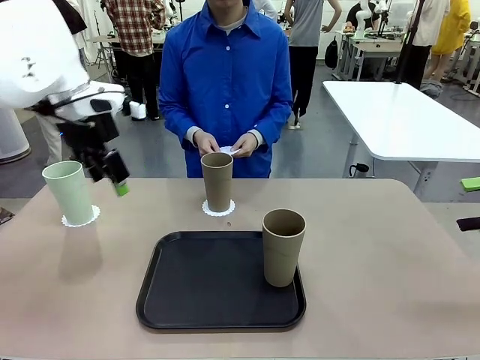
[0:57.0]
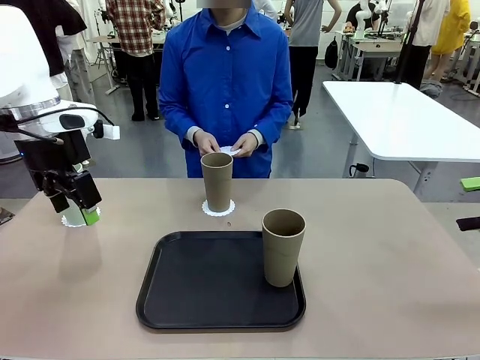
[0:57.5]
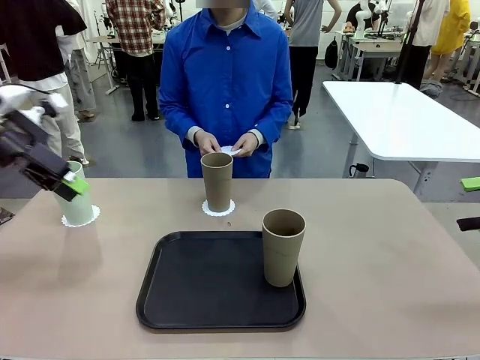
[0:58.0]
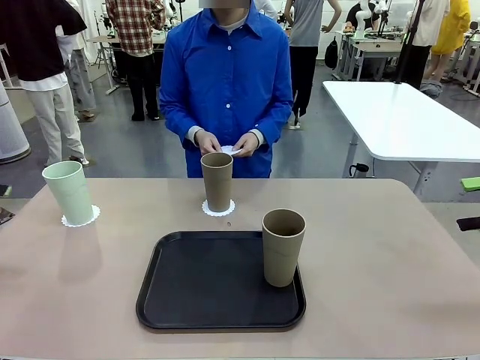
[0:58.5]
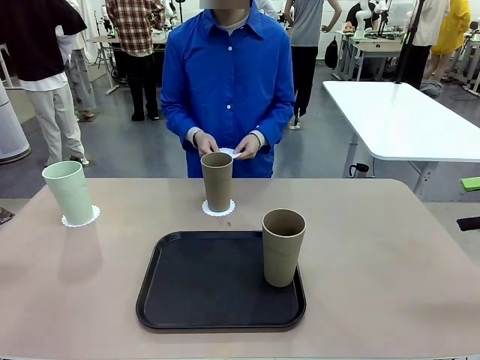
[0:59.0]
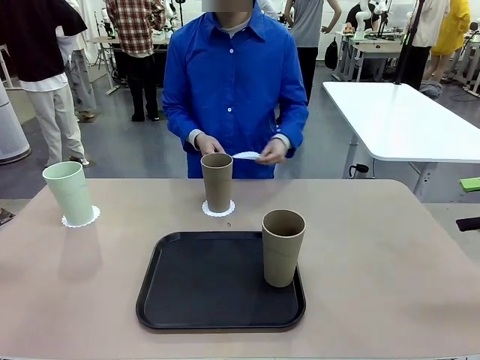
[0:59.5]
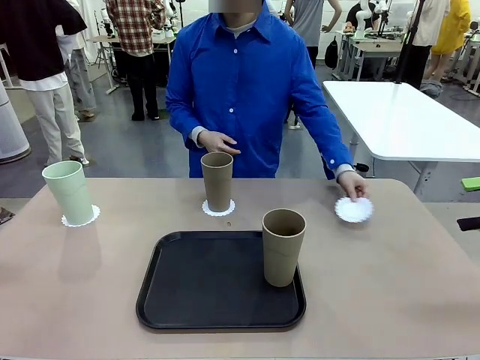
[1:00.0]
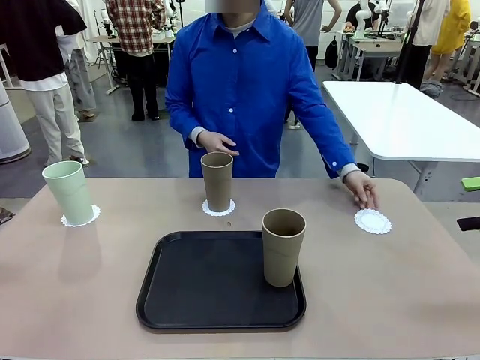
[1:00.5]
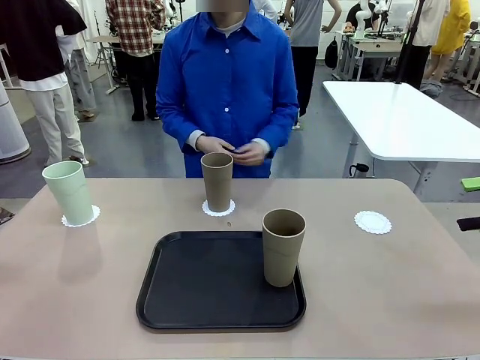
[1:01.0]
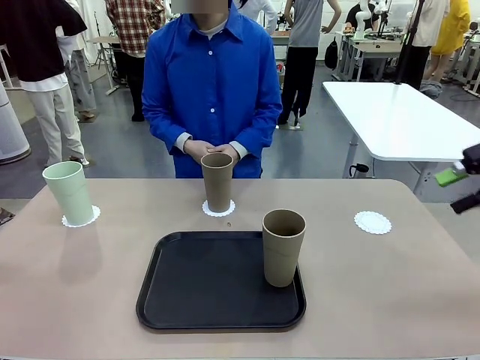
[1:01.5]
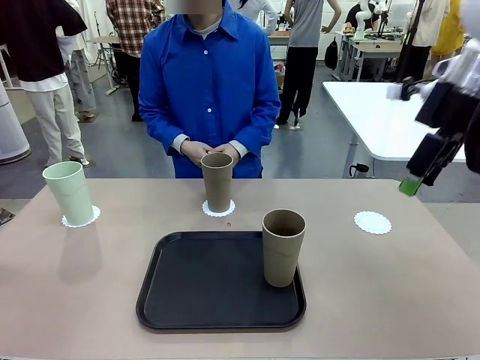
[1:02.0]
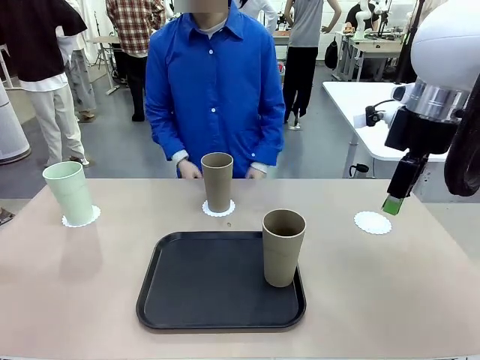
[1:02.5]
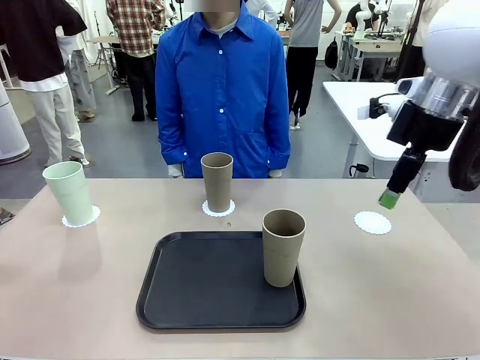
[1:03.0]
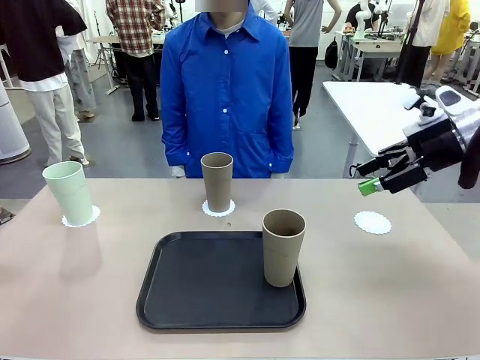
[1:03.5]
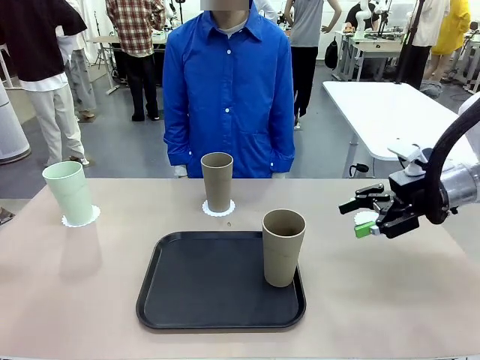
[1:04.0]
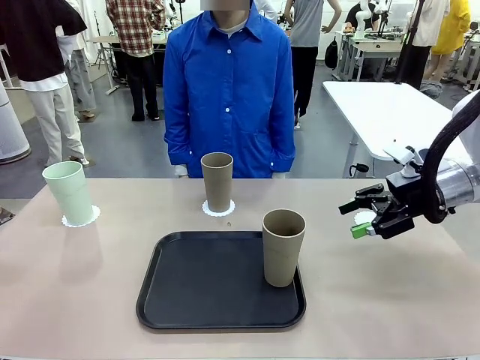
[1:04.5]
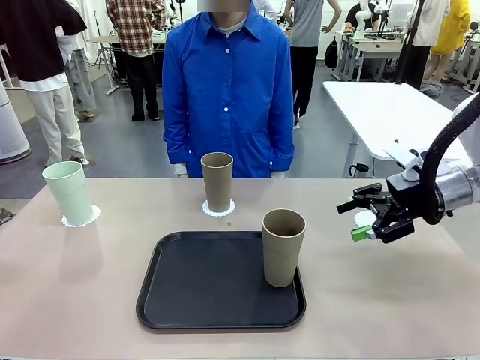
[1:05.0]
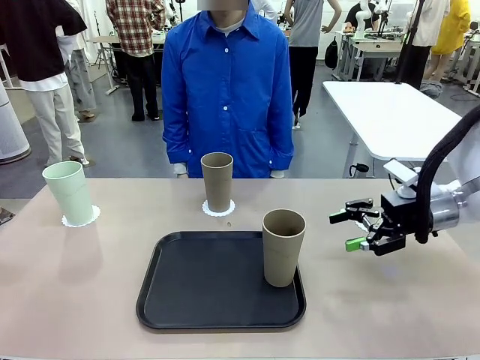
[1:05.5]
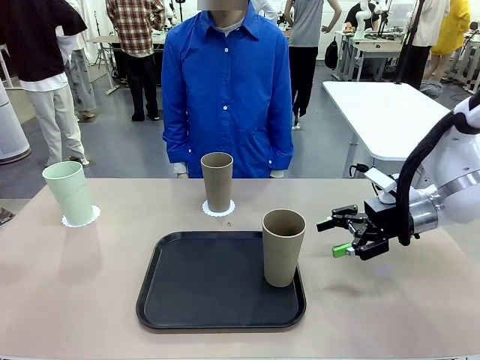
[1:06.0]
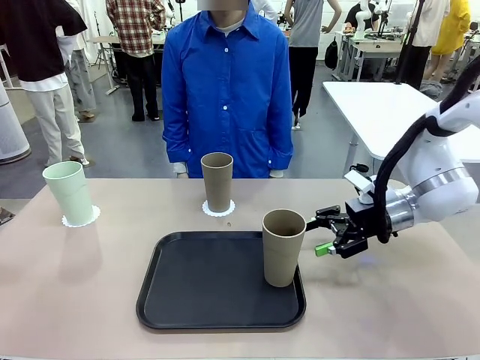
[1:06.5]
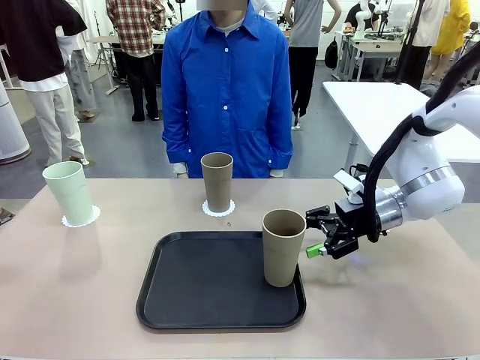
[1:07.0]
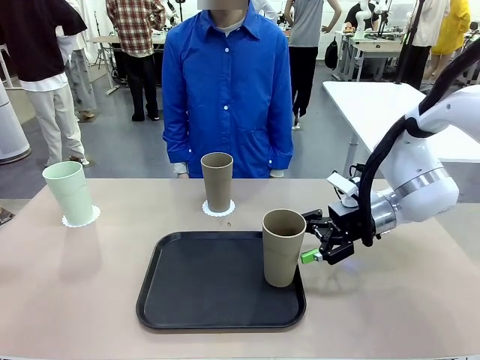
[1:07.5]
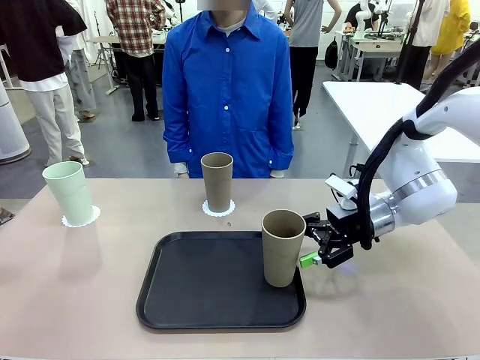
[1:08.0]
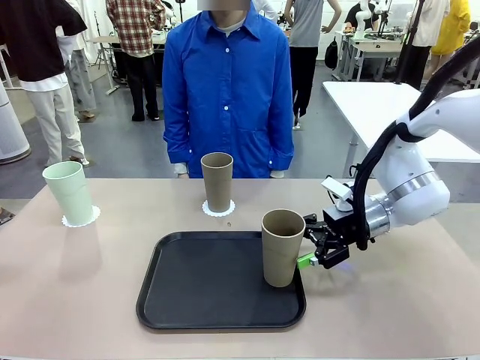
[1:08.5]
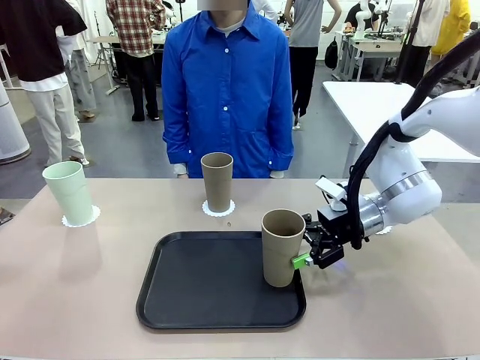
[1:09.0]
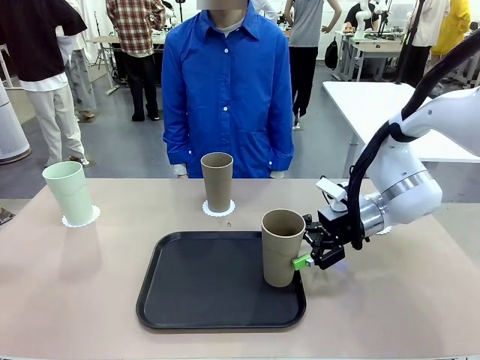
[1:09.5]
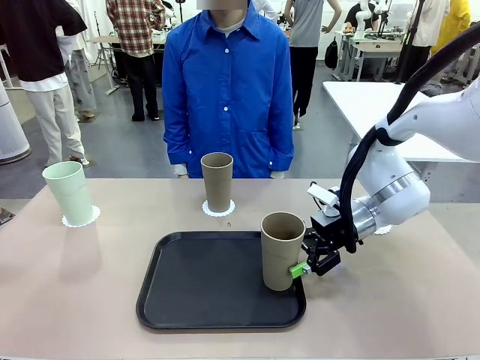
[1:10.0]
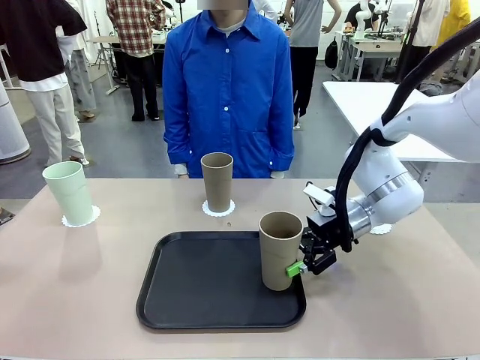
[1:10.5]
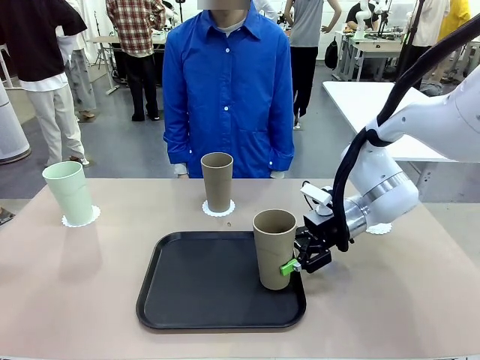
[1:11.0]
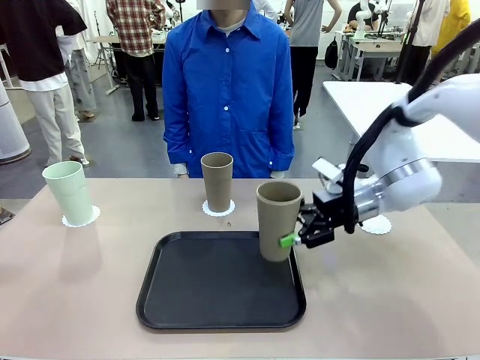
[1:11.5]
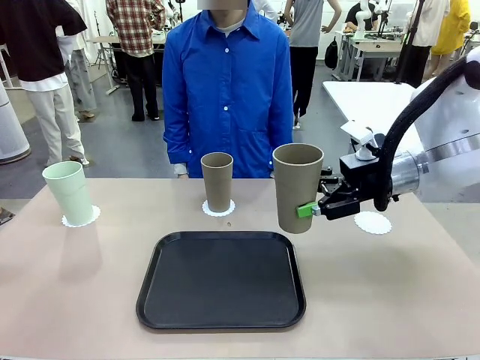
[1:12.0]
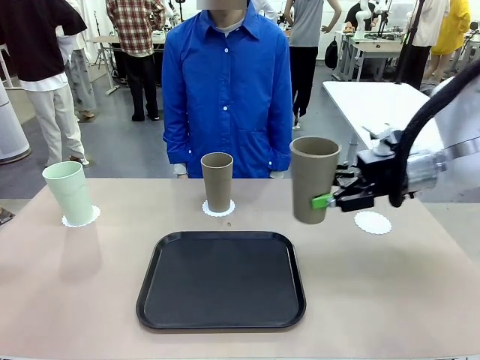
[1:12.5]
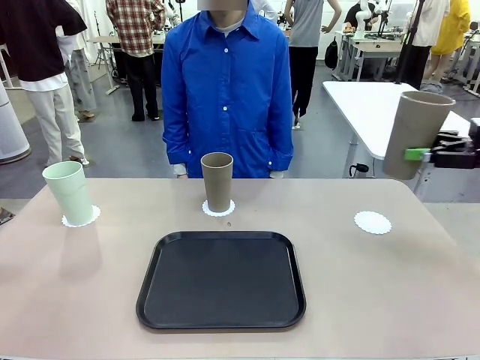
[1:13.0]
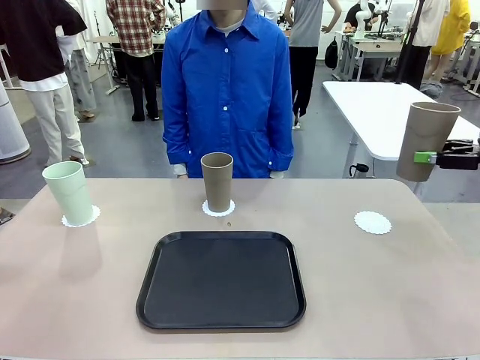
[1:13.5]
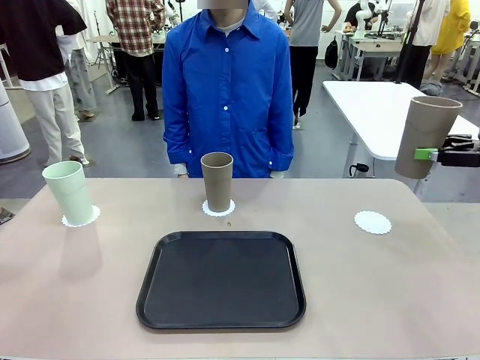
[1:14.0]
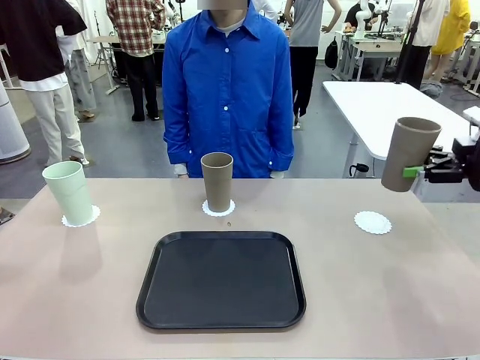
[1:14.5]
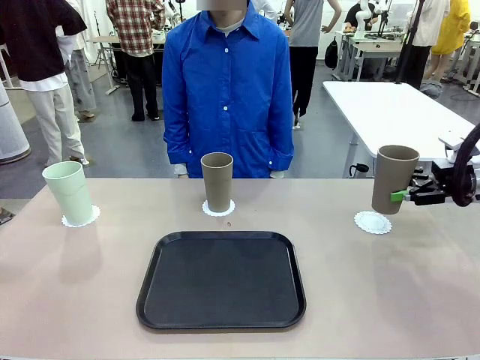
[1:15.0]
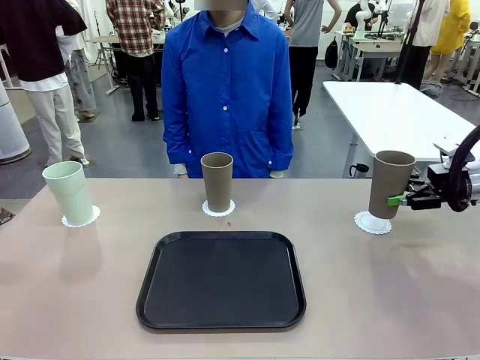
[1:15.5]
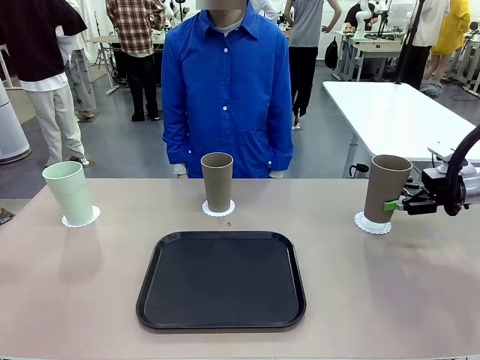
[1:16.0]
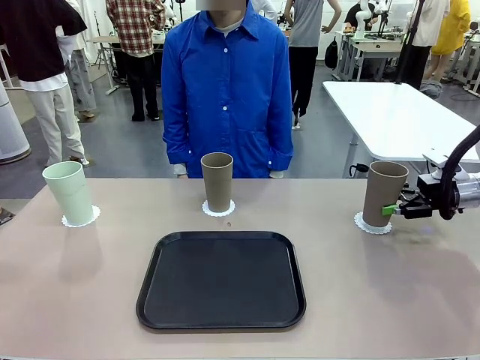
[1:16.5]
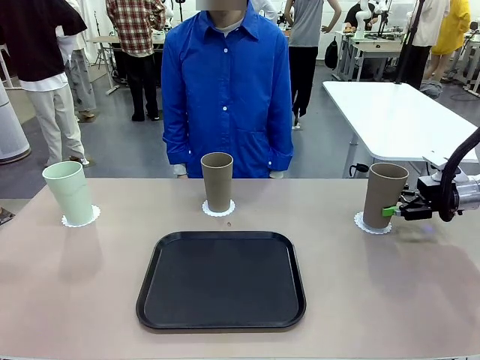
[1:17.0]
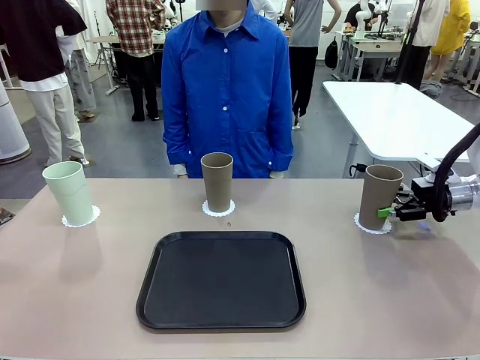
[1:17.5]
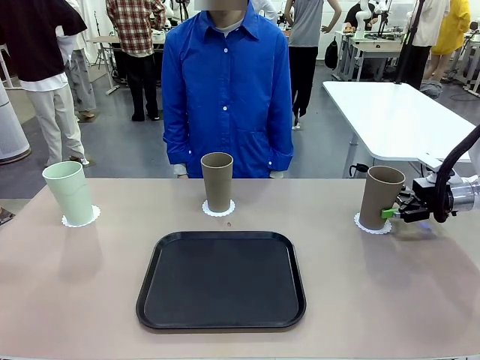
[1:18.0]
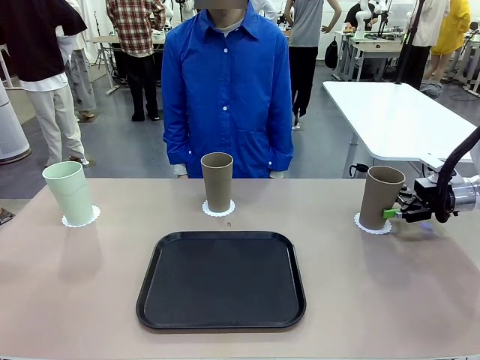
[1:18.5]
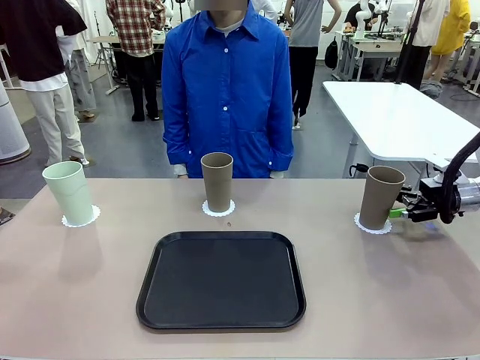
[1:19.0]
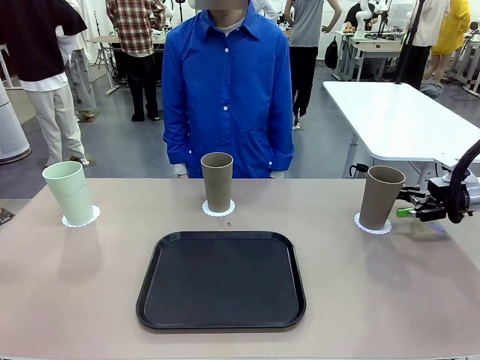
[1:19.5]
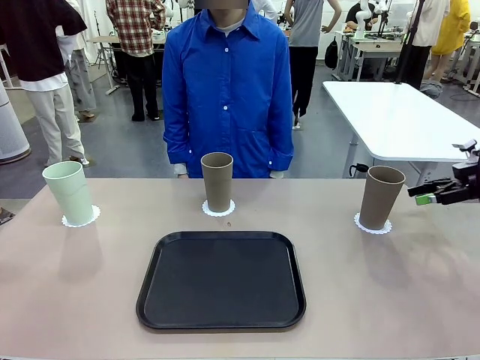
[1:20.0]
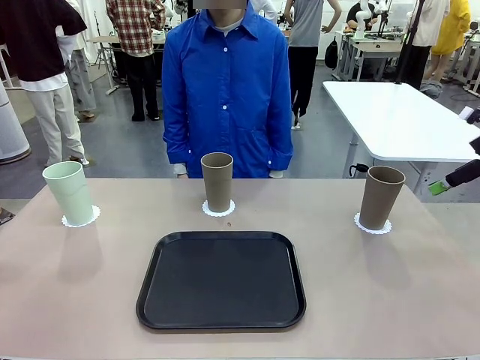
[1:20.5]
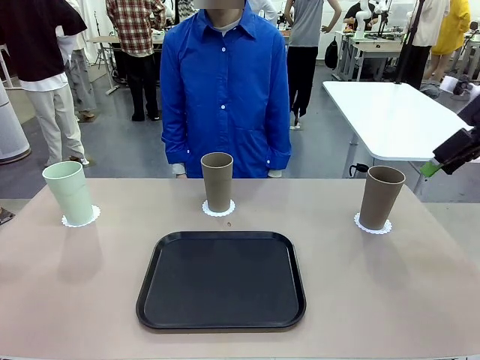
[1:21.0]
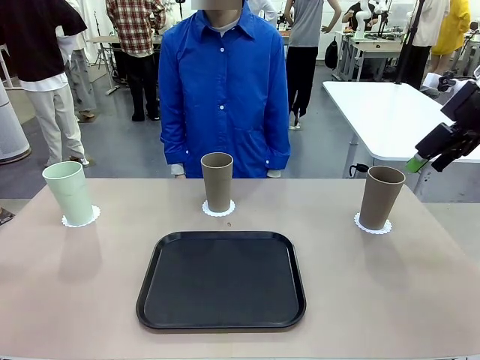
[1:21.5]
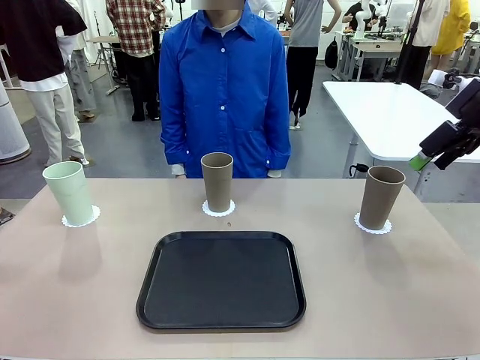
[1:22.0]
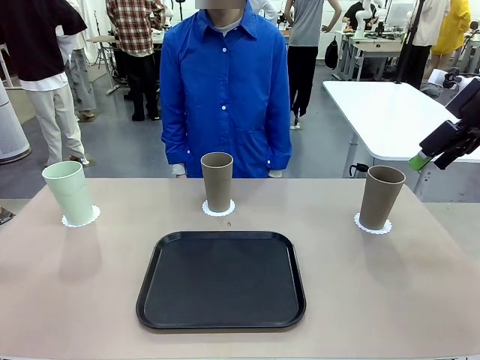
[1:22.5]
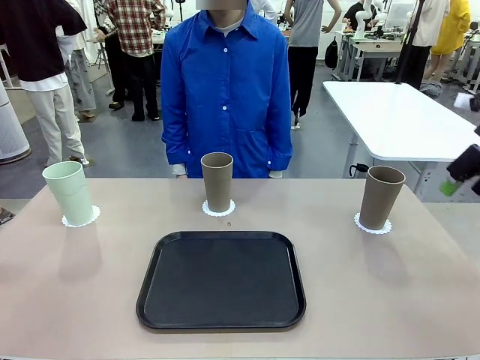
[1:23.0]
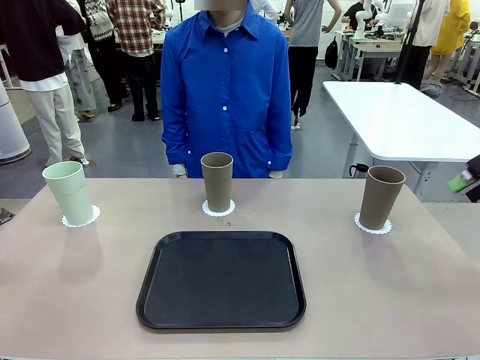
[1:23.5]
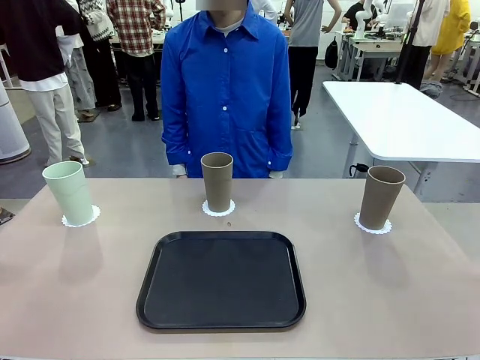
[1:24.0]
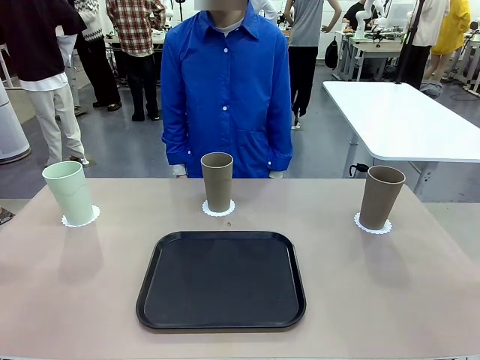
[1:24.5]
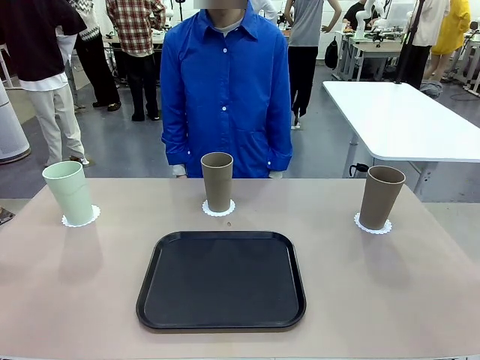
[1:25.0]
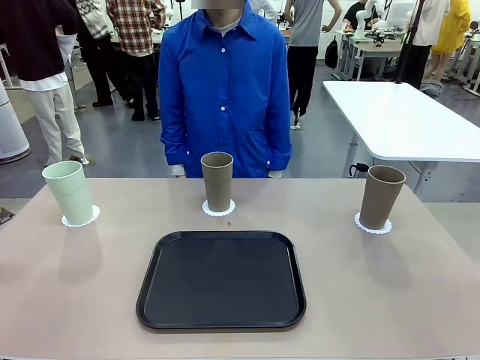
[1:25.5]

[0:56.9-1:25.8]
Task: Place coasters on the table and set cups on them.
Robot: Take one Reusable plastic cup from the Flat Tray and place it on a coaster set by the human.
Person: Place one coaster in the only remaining area.
